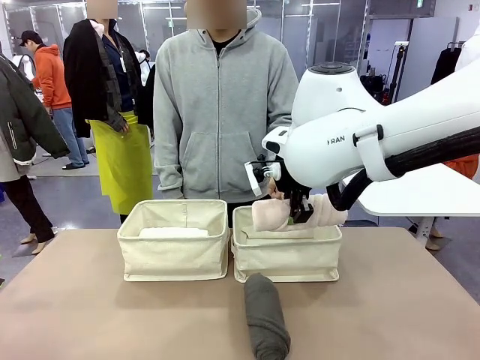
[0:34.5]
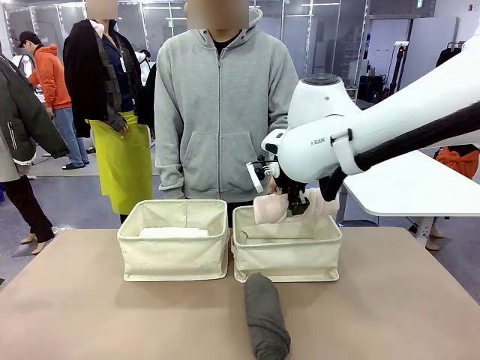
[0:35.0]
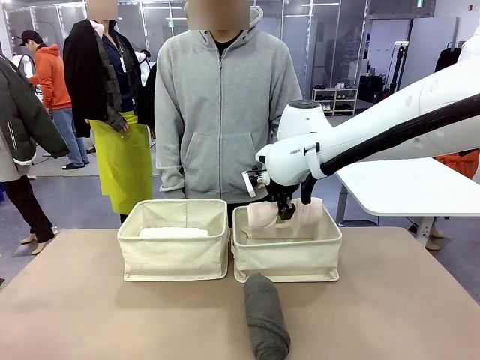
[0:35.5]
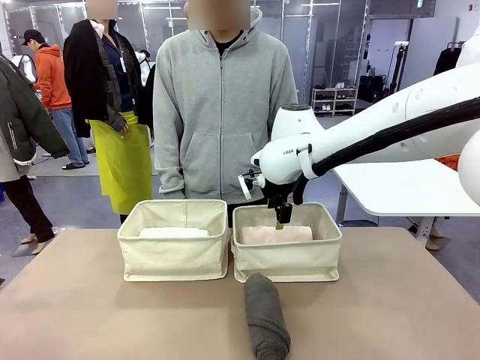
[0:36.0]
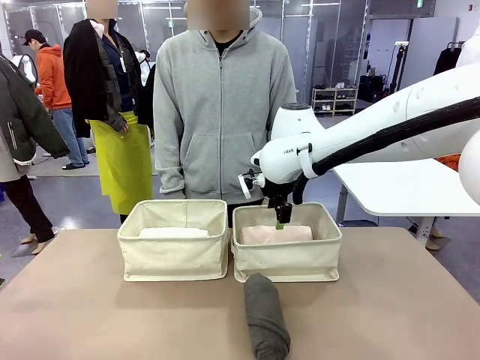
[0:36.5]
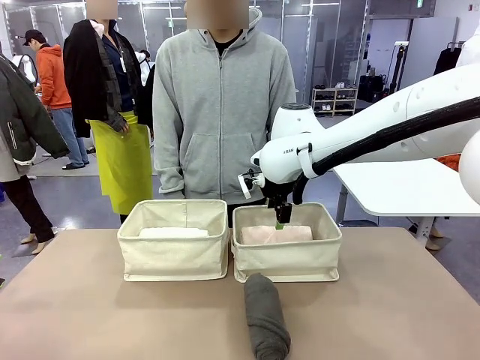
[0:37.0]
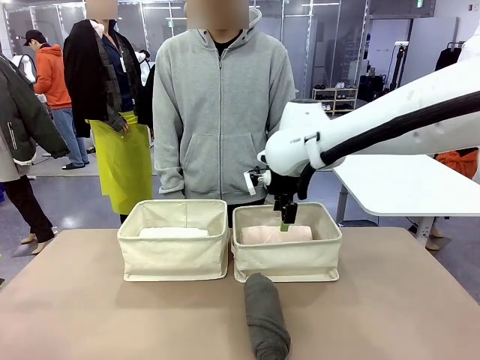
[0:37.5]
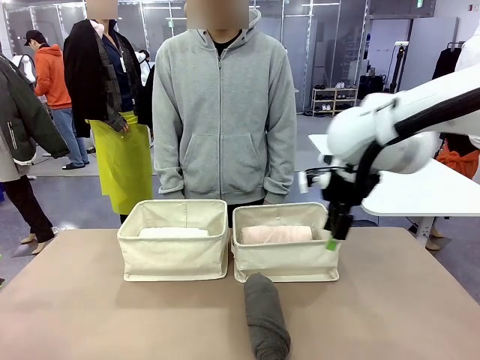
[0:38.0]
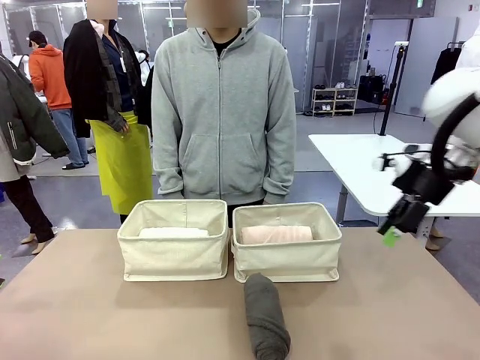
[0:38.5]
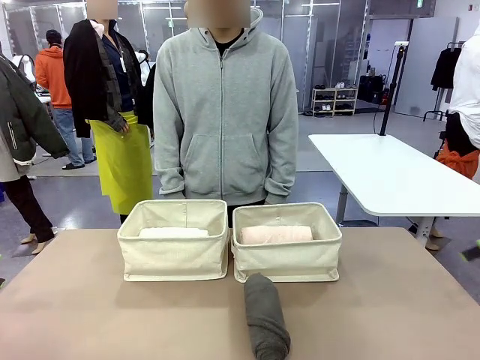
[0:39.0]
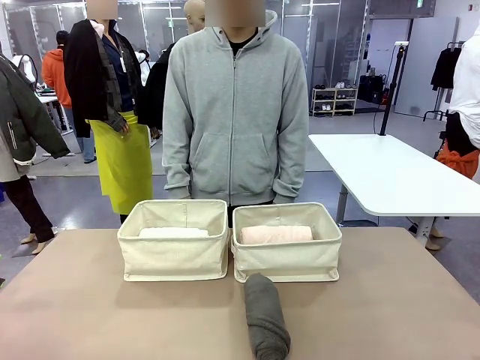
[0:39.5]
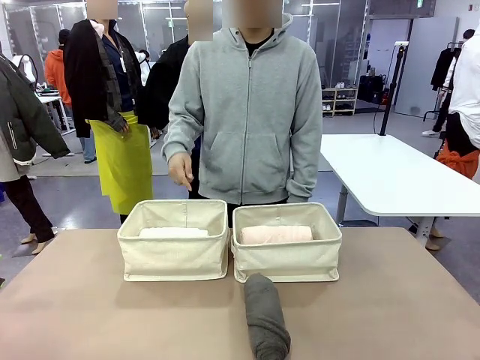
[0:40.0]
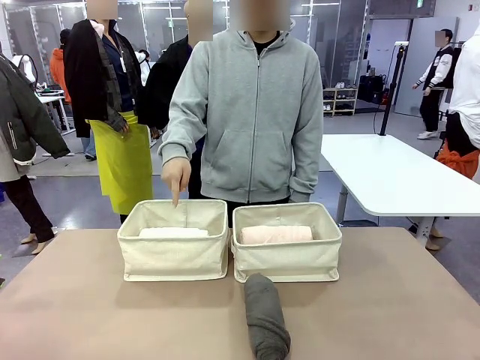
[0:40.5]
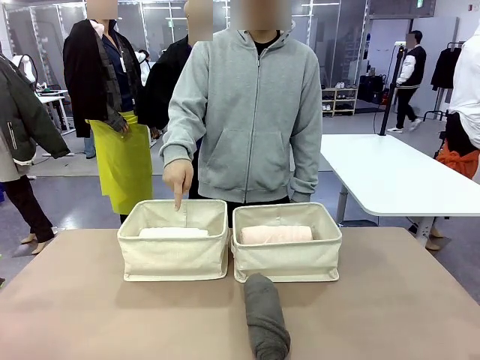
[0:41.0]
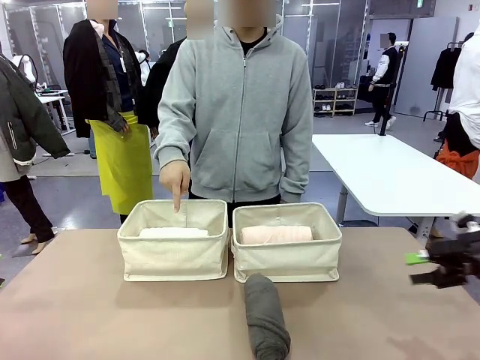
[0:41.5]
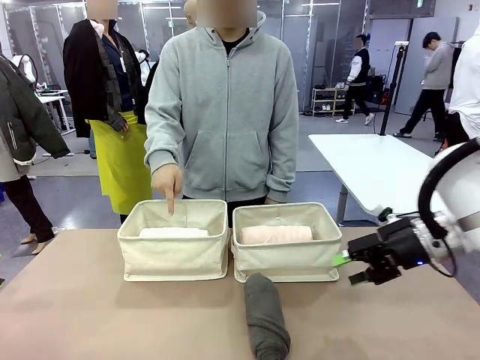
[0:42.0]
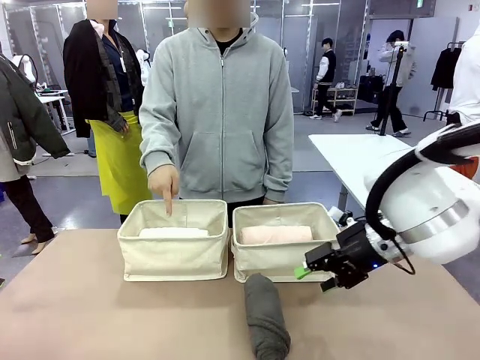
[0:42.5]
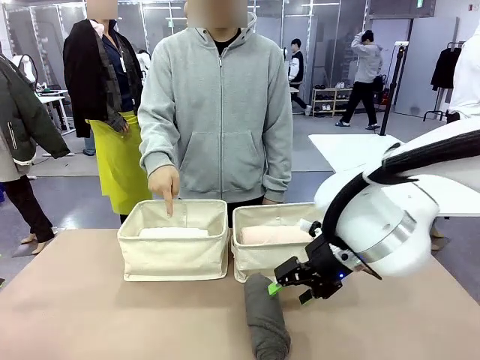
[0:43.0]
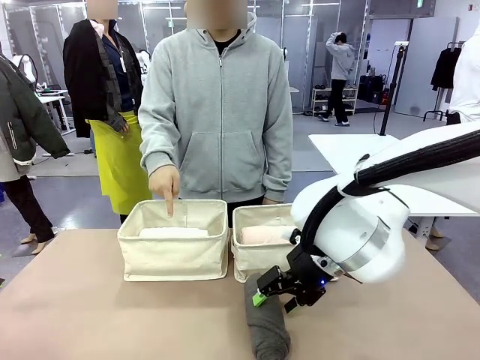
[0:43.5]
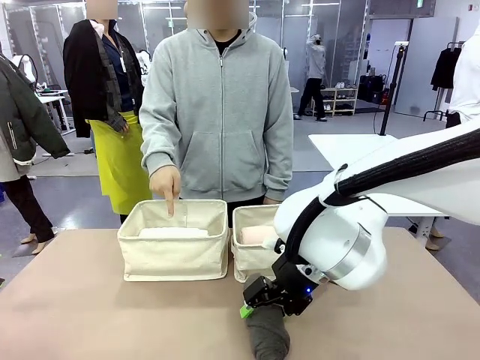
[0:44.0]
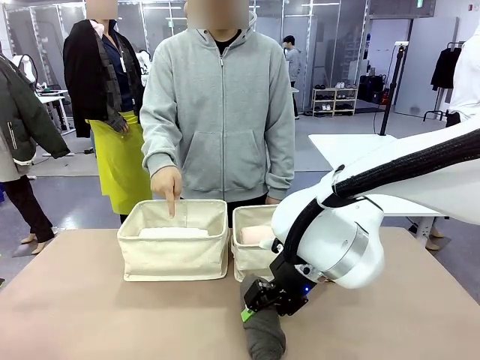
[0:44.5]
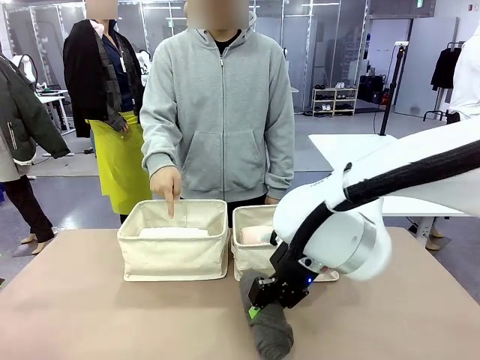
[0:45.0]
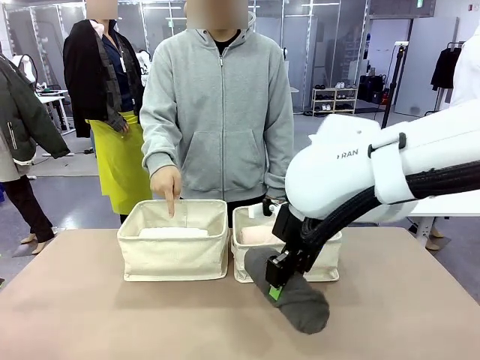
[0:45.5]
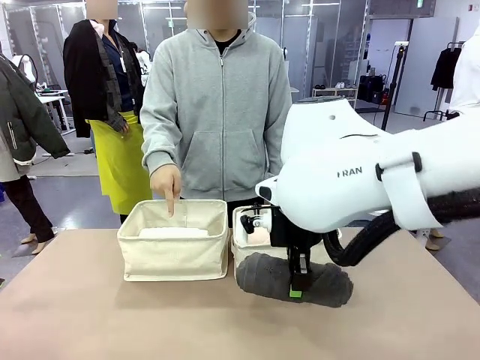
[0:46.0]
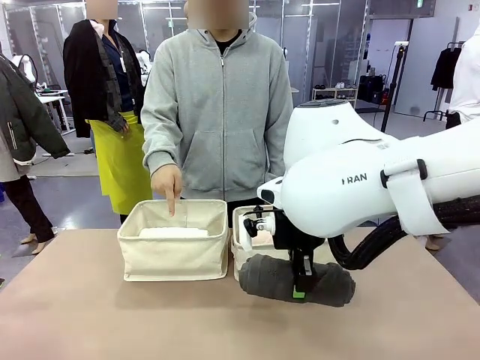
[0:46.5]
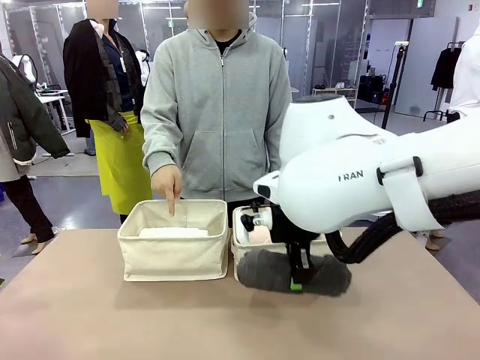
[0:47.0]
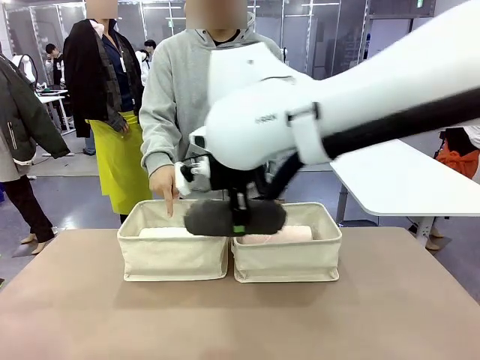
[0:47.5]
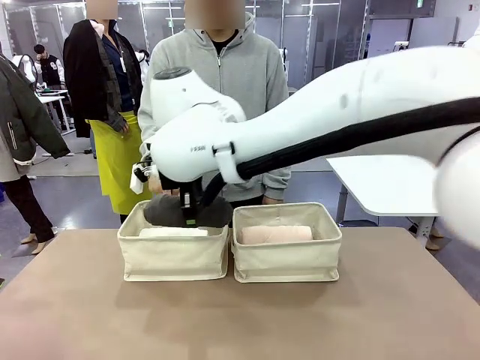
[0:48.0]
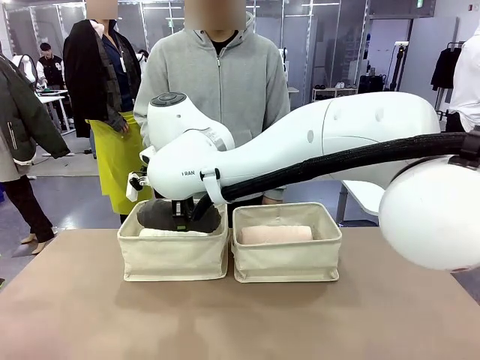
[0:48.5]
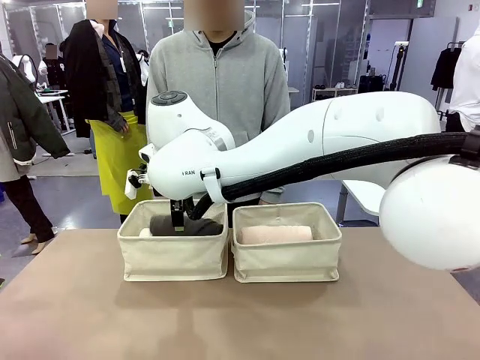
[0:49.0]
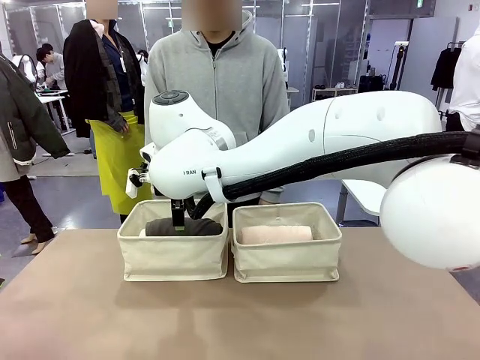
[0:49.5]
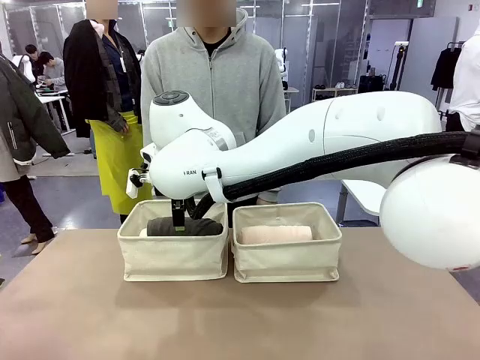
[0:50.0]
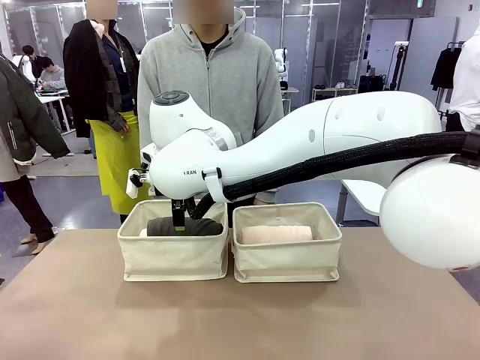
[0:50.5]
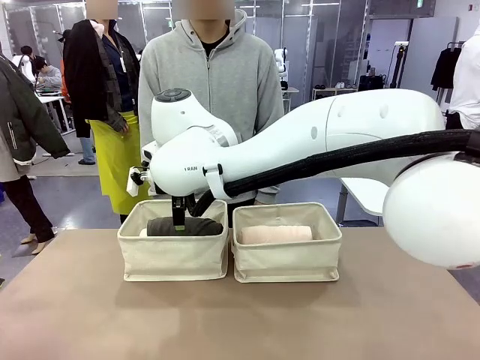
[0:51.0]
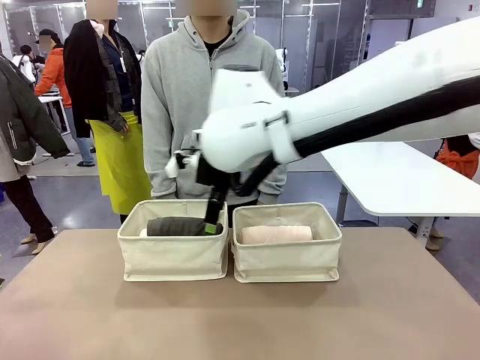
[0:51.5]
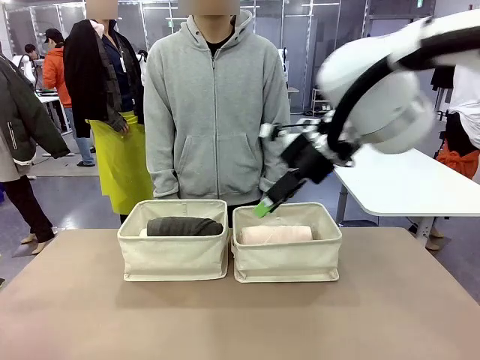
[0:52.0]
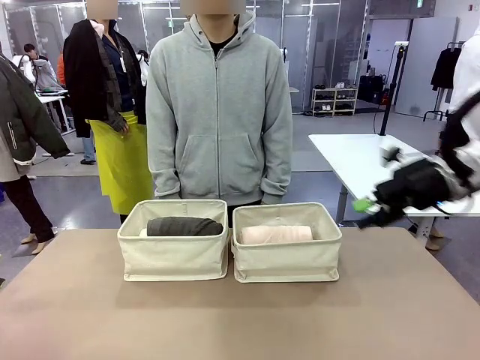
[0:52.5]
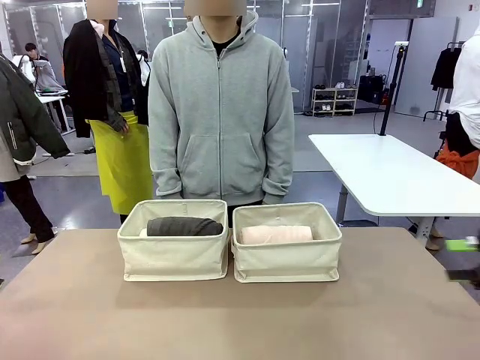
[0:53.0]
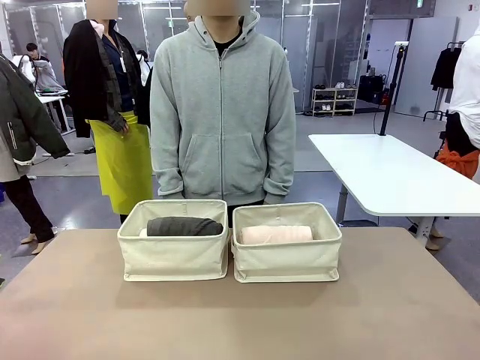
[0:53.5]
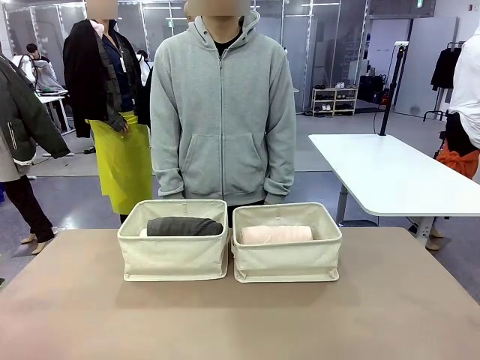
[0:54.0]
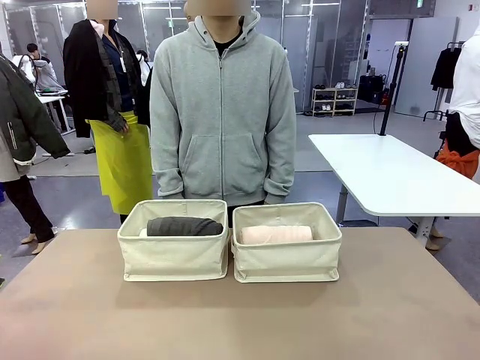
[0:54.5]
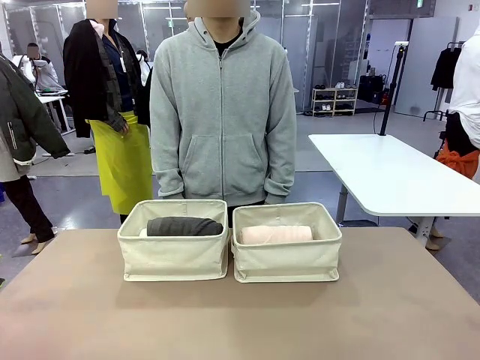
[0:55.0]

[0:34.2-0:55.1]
Task: Divide the towels into two baskets.
Robot: Pick up one hotel-folded towel from the bottom of the table and place it in the Fabric basket indicated by the person.
